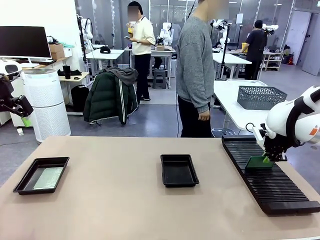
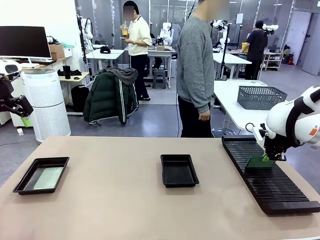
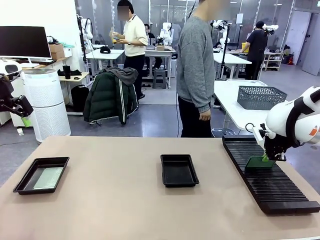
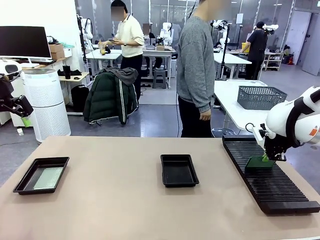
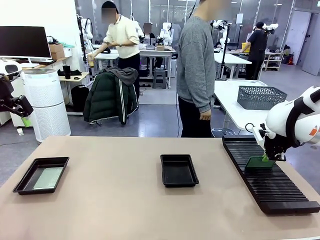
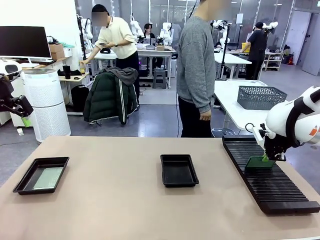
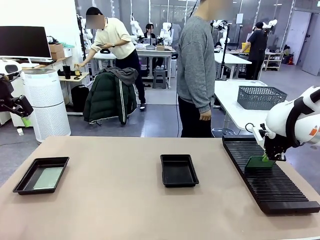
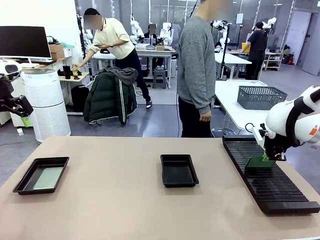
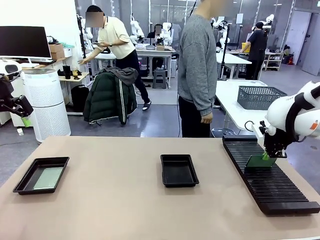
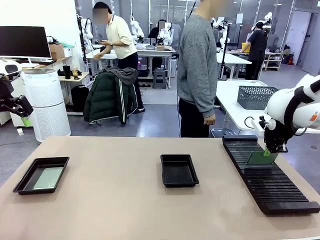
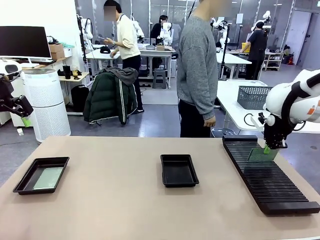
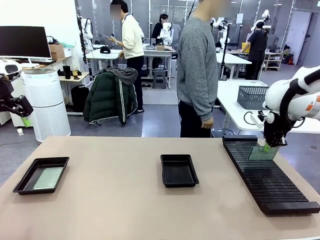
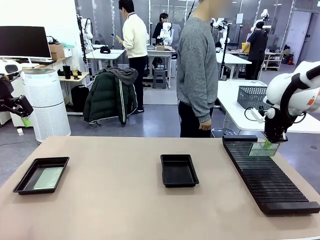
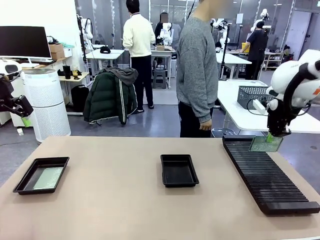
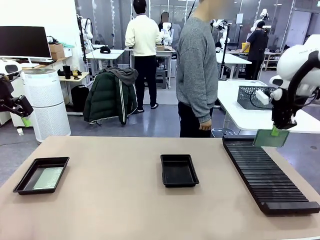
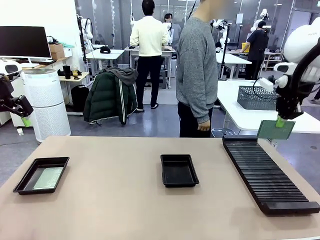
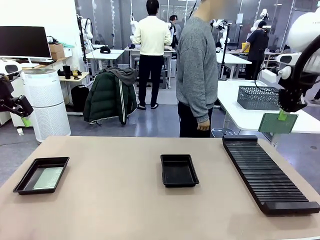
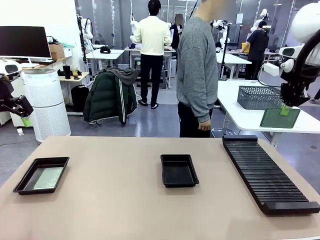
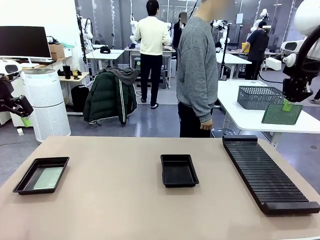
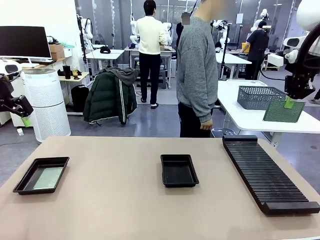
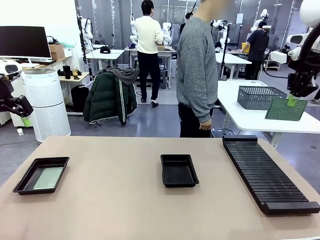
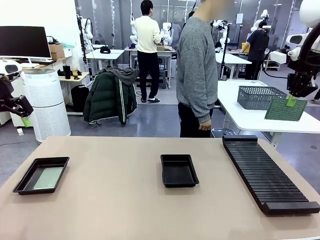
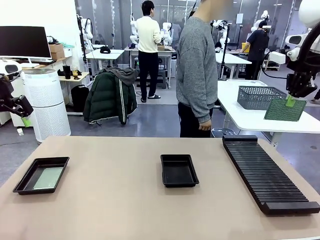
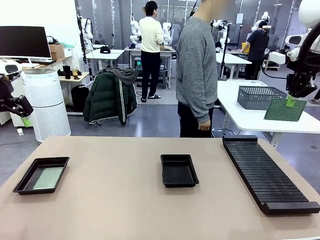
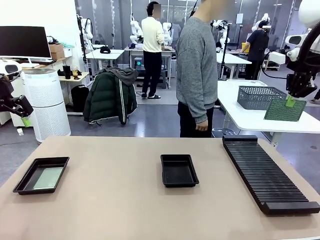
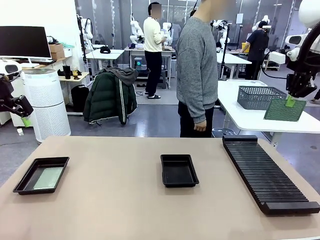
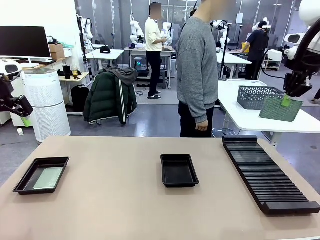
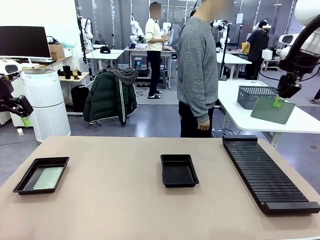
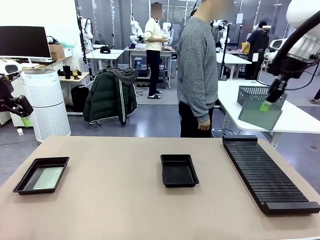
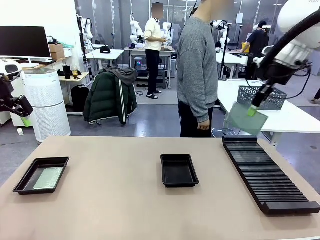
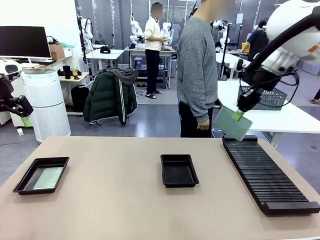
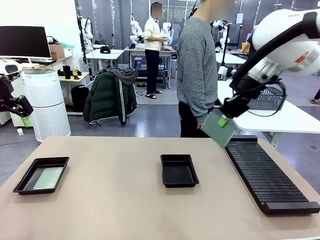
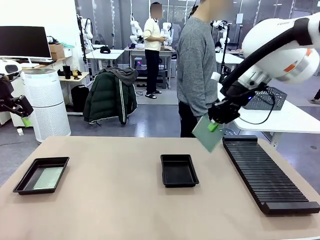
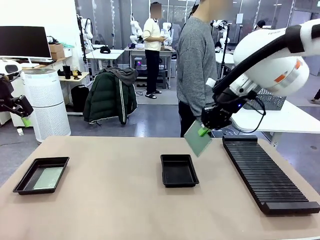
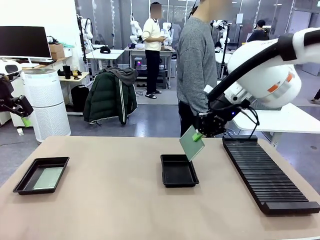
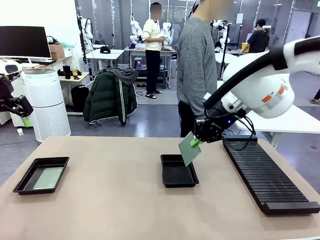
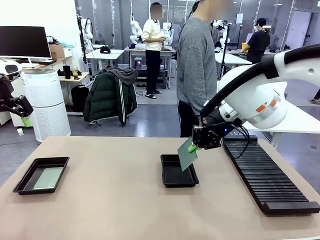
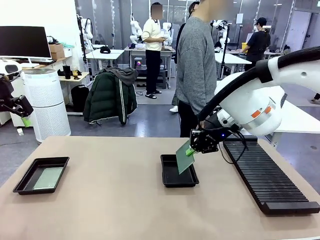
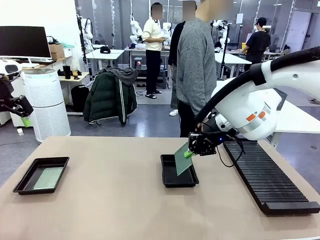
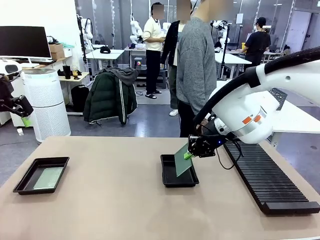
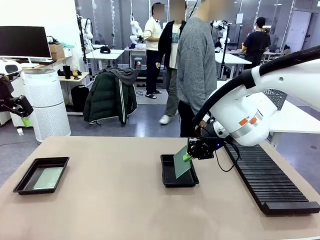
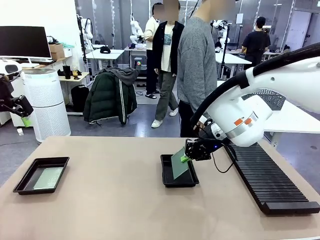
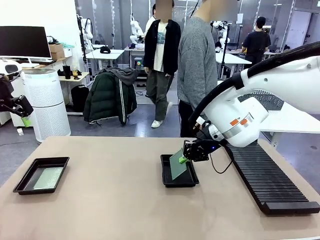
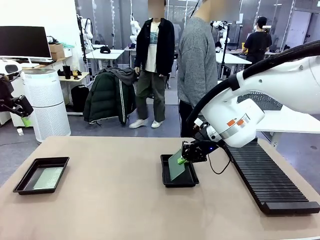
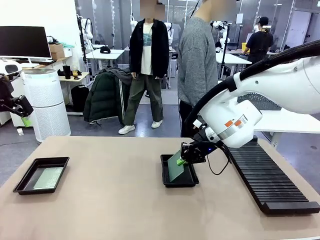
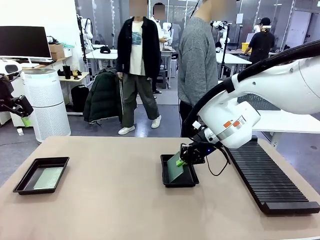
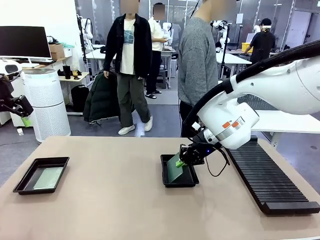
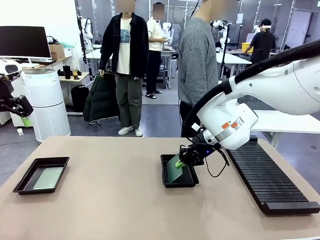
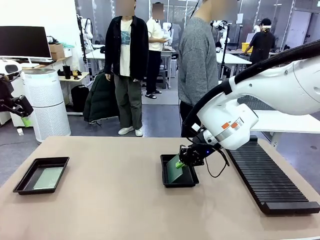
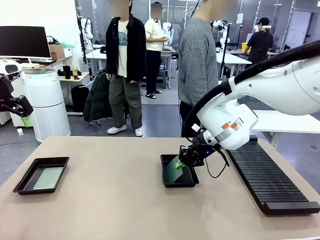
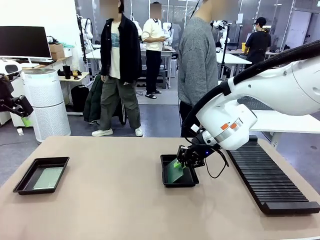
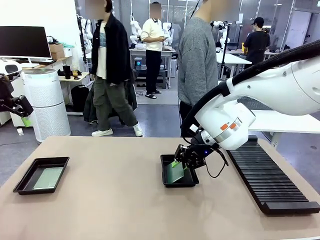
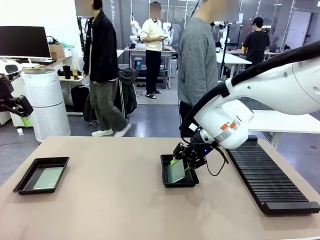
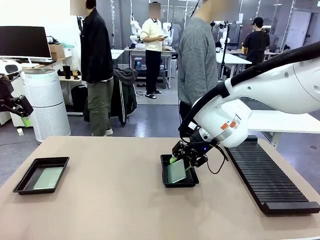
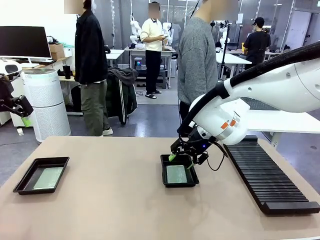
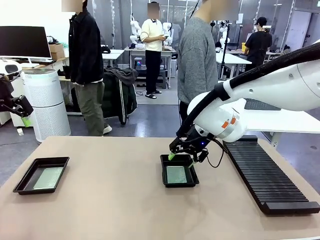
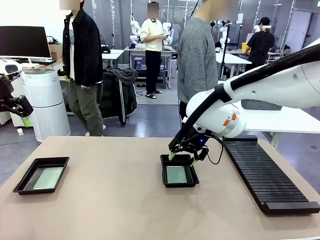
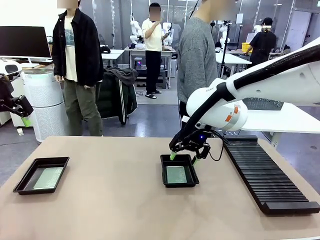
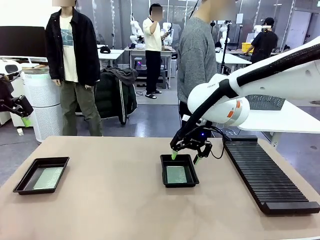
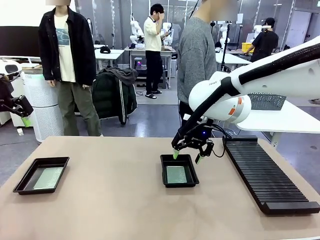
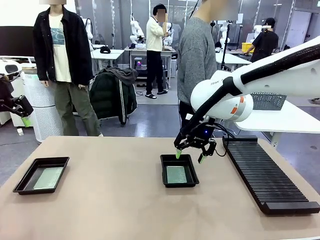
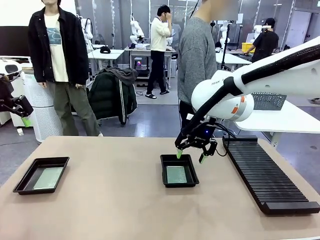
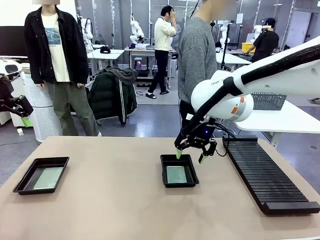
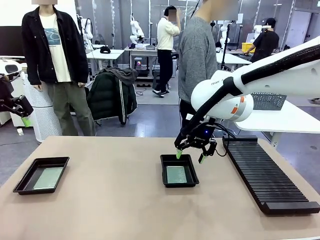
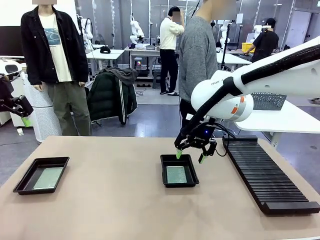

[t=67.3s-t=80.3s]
Task: Inspect and transfer BCBs to ESD trays.
Robot: Pick up the Blank PCB from the PCB Rack and place it in the right ESD tray.

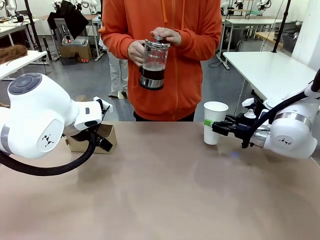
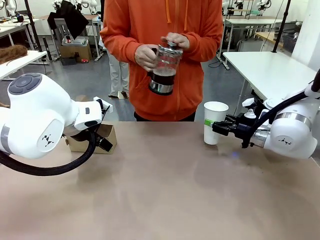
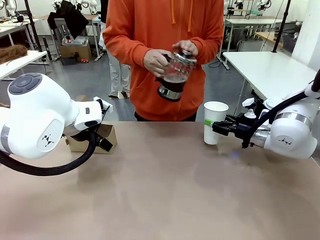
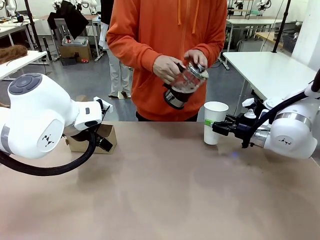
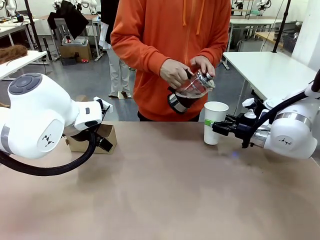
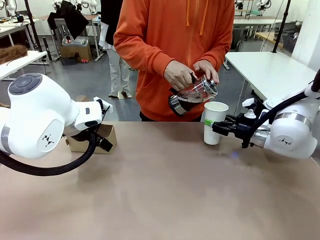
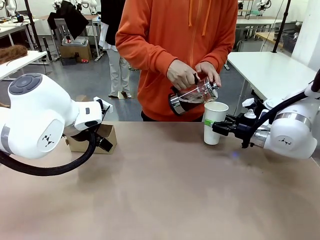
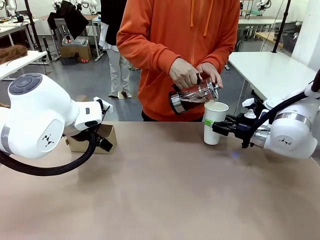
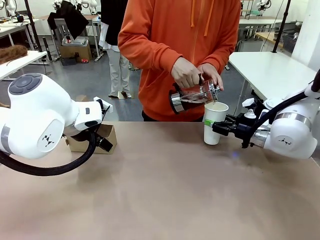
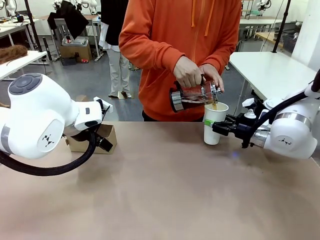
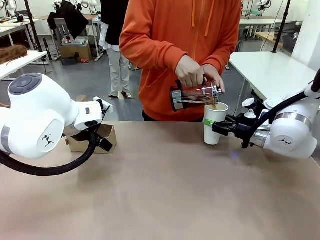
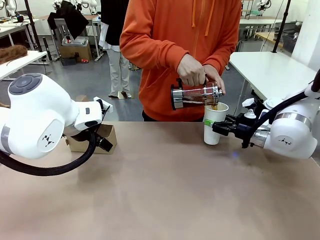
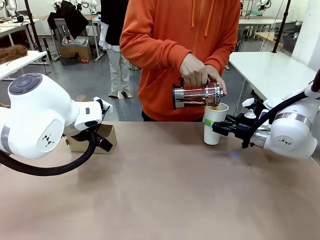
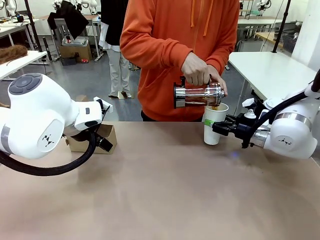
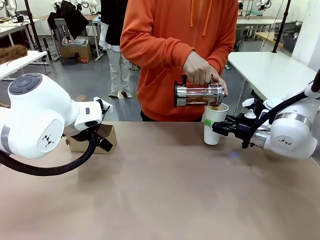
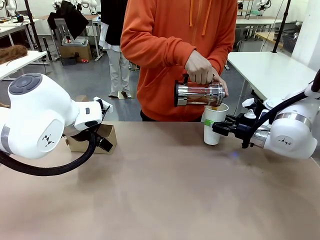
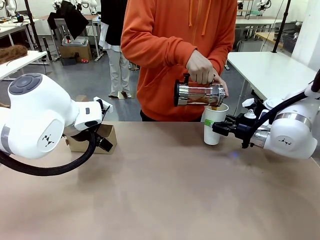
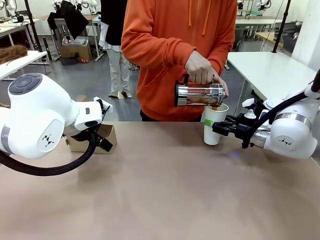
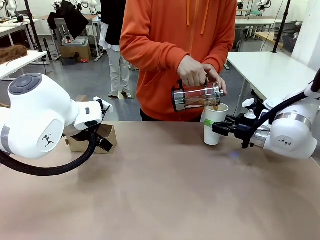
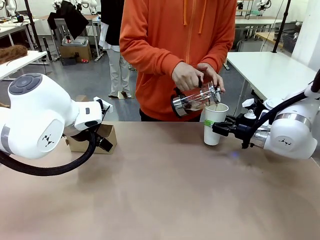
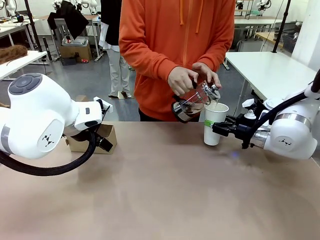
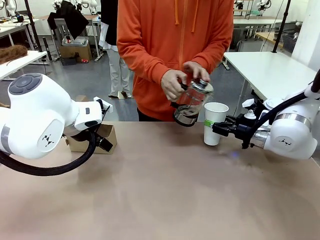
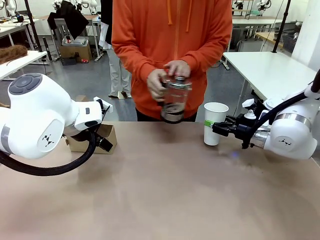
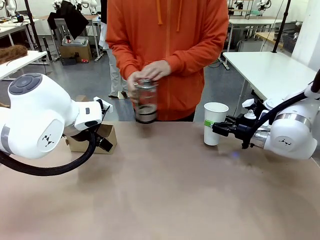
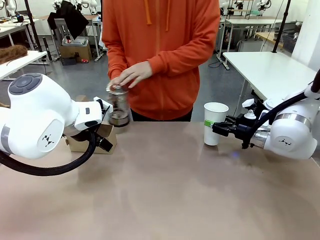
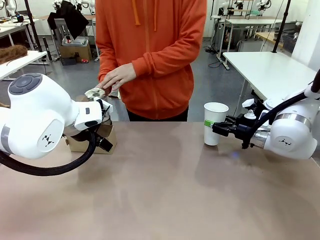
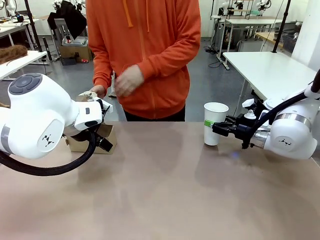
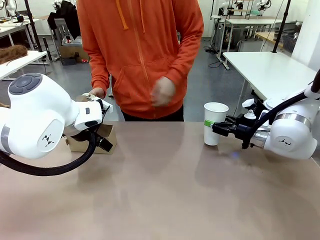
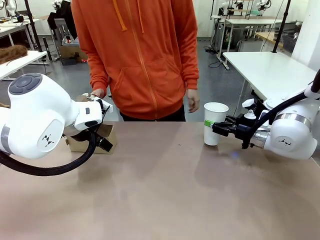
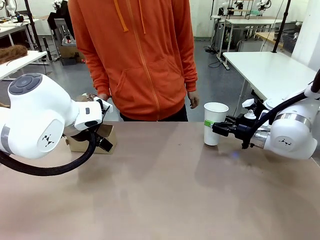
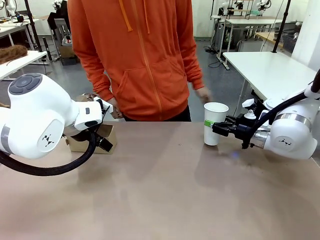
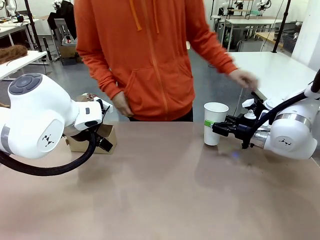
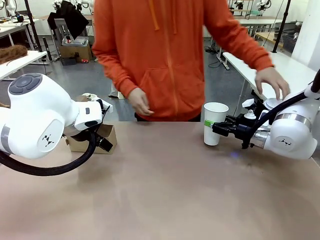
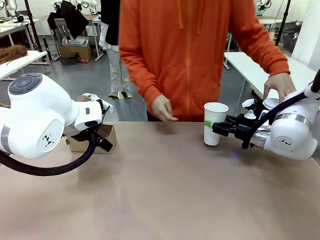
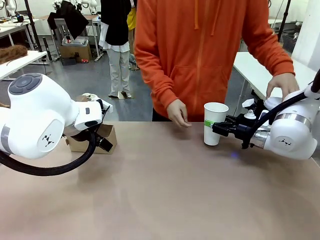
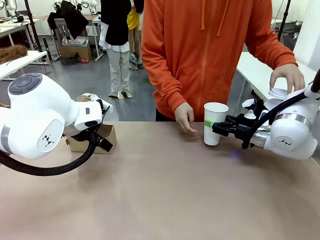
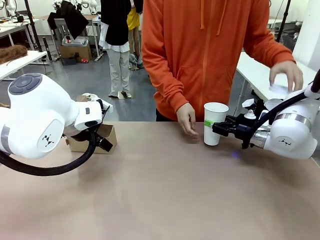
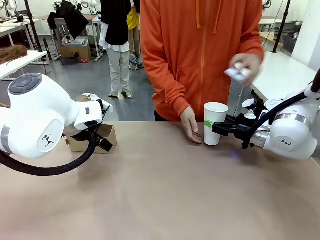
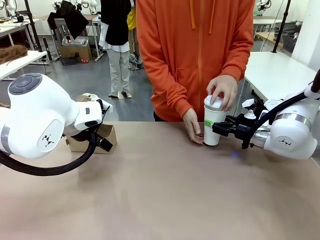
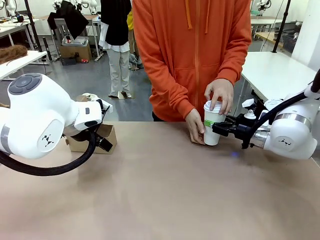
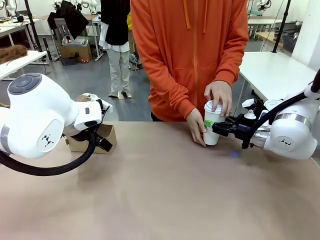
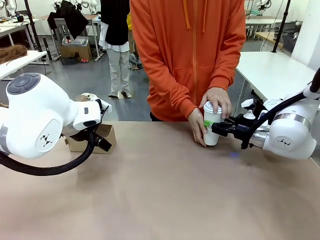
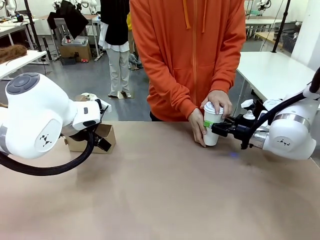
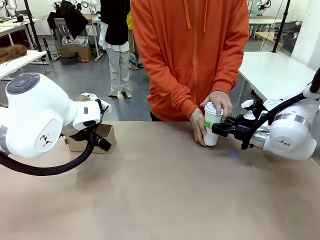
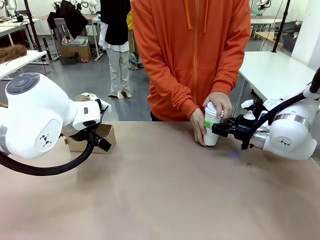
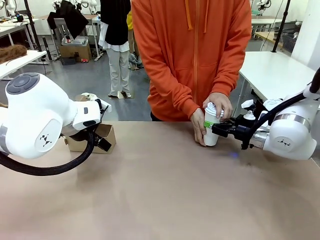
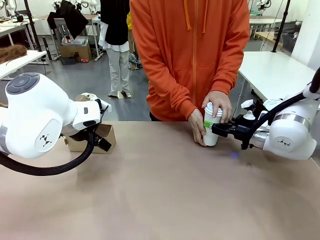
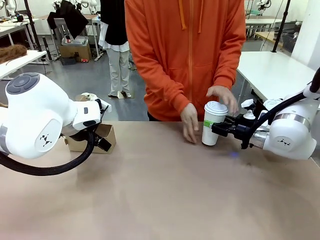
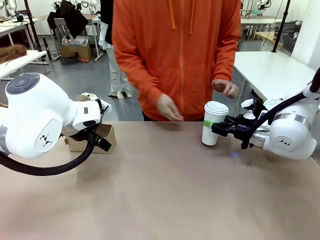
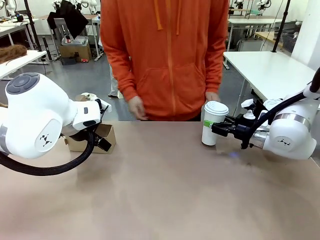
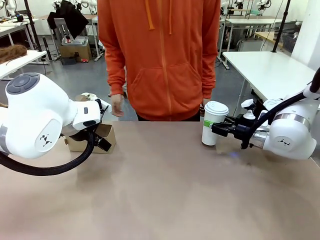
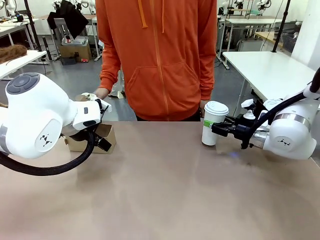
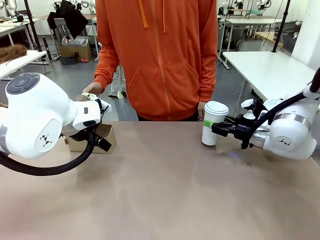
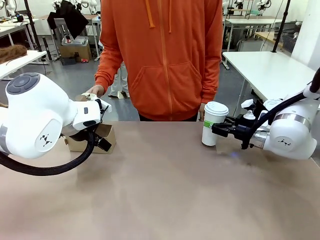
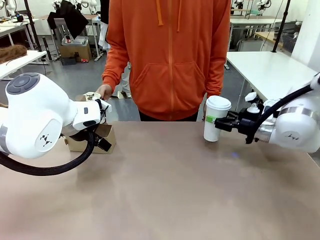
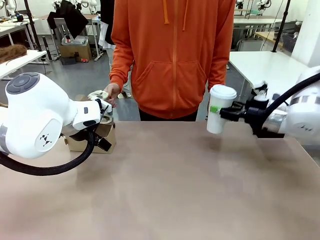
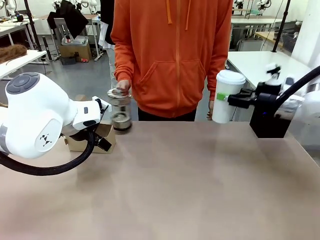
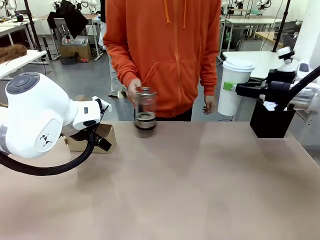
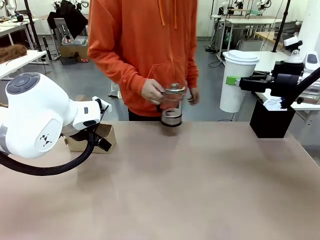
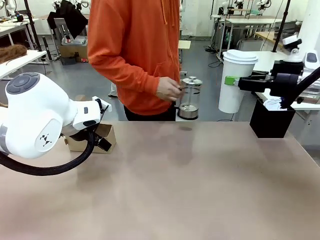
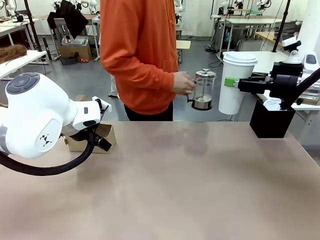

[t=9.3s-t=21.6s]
Task: Pour a drink into a cup and package it in a carrier.
Robot: When a person places the Paper Cup Lid on the 600 ml Paper Cup , lift the 600 ml Paper Cup.
Person: Pour the drink from the Filter Brewing into the 600 ml Paper Cup. Place a Paper Cup Lid on the 600 ml Paper Cup.
